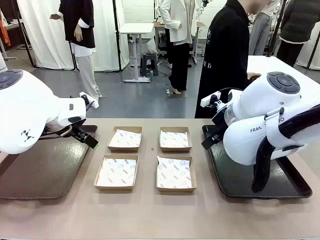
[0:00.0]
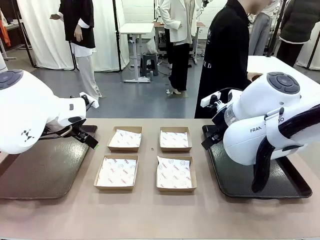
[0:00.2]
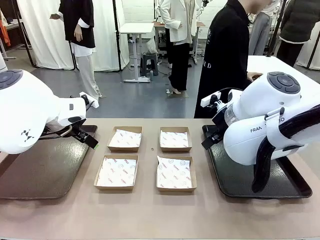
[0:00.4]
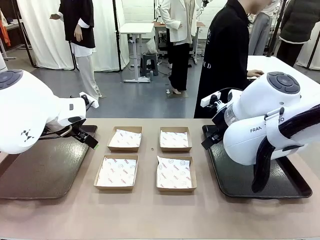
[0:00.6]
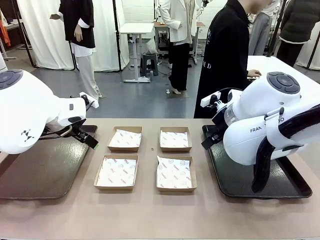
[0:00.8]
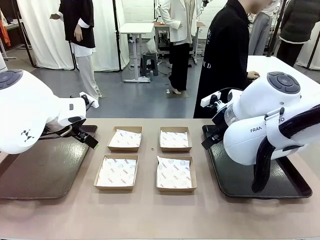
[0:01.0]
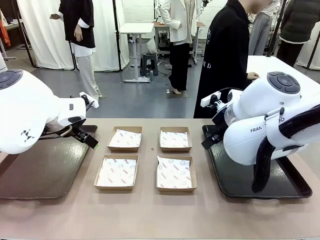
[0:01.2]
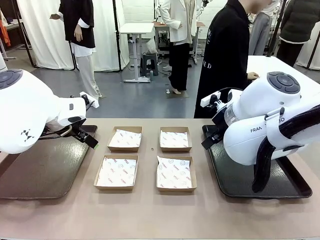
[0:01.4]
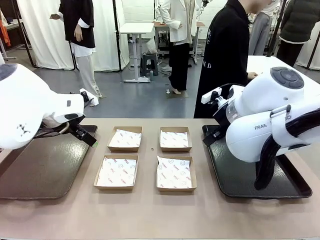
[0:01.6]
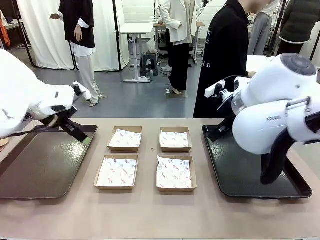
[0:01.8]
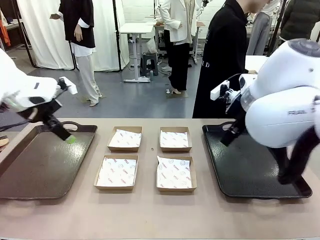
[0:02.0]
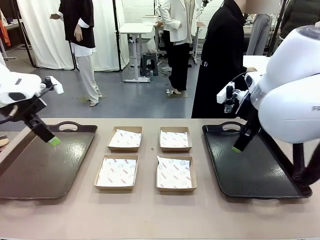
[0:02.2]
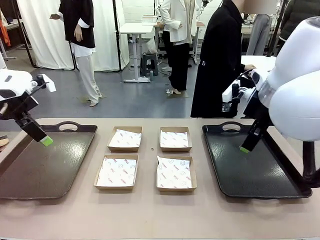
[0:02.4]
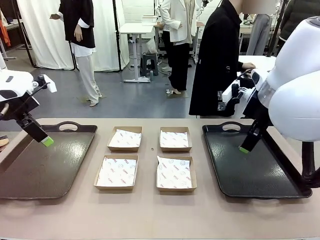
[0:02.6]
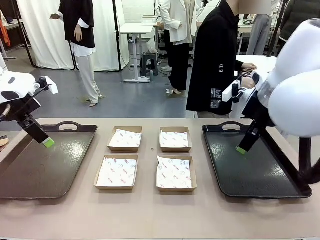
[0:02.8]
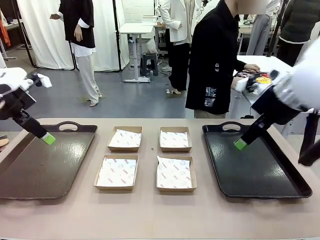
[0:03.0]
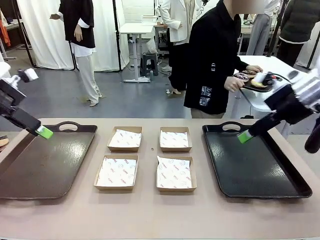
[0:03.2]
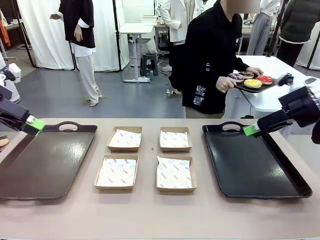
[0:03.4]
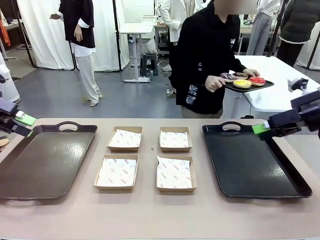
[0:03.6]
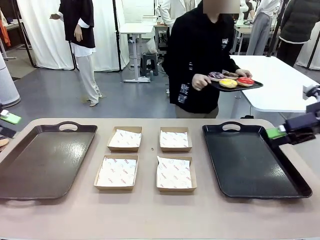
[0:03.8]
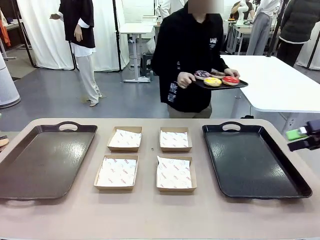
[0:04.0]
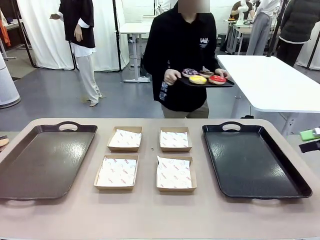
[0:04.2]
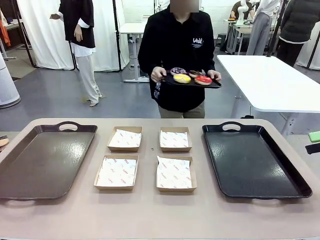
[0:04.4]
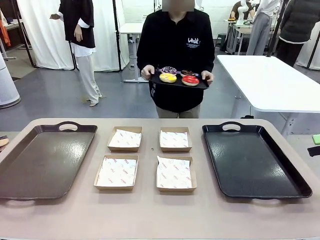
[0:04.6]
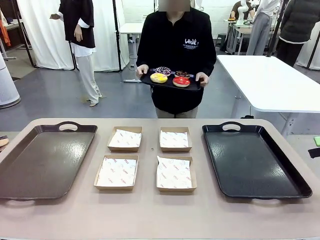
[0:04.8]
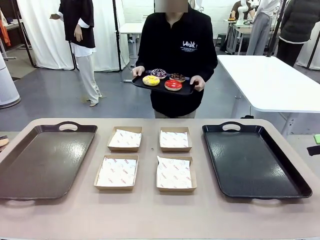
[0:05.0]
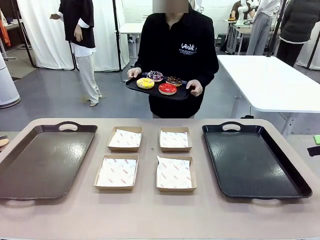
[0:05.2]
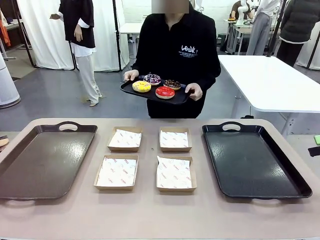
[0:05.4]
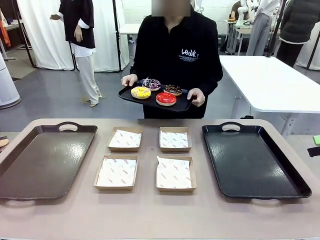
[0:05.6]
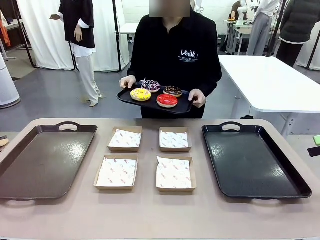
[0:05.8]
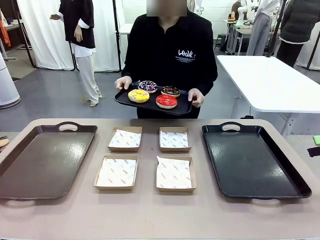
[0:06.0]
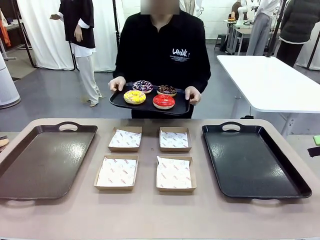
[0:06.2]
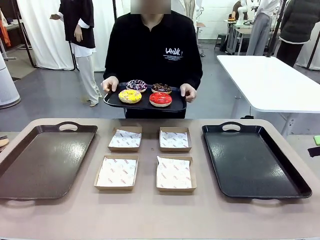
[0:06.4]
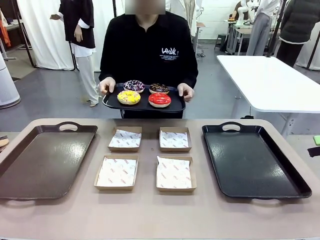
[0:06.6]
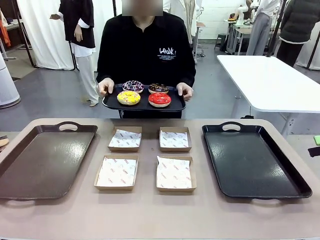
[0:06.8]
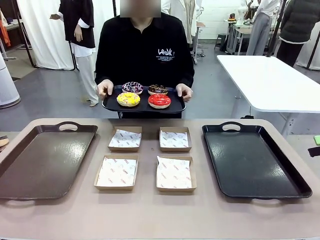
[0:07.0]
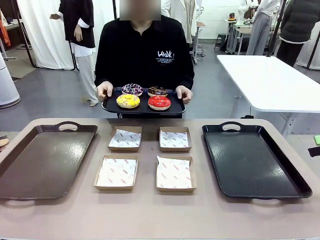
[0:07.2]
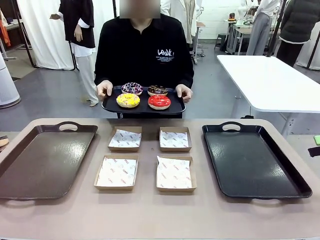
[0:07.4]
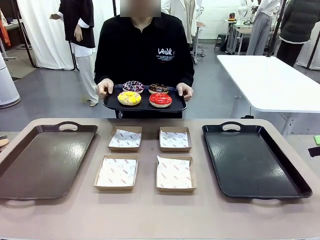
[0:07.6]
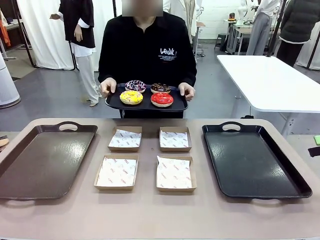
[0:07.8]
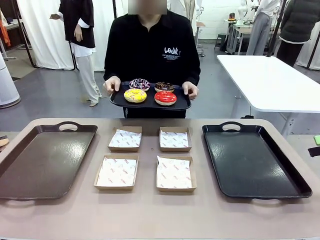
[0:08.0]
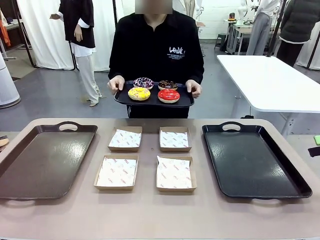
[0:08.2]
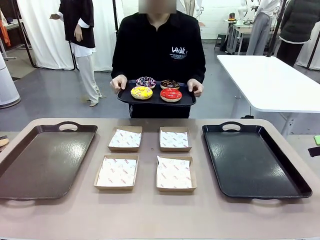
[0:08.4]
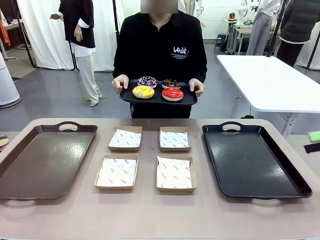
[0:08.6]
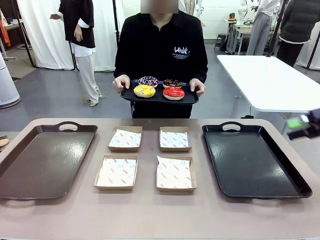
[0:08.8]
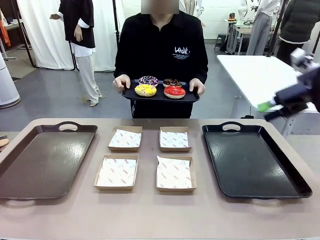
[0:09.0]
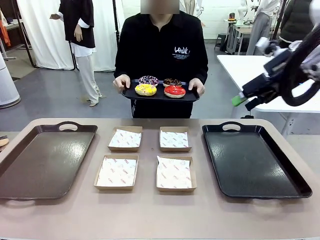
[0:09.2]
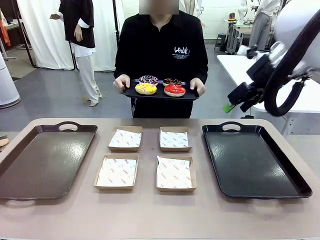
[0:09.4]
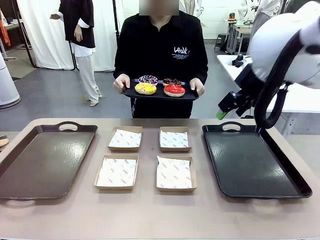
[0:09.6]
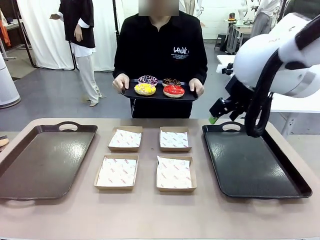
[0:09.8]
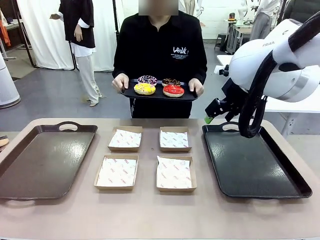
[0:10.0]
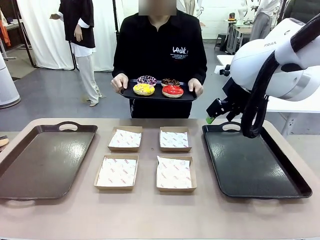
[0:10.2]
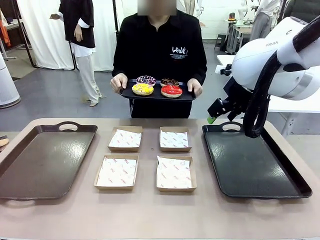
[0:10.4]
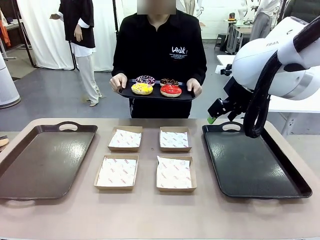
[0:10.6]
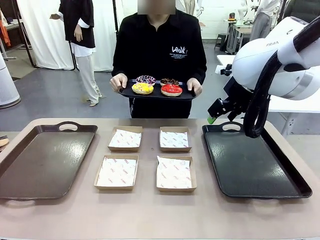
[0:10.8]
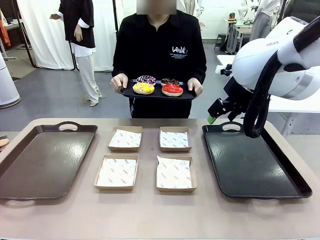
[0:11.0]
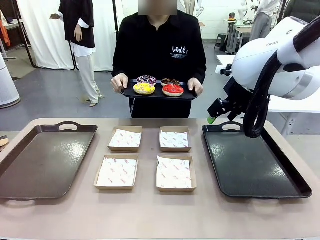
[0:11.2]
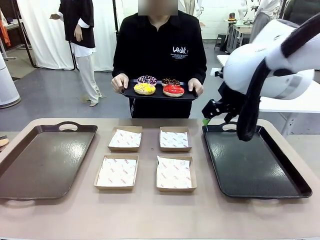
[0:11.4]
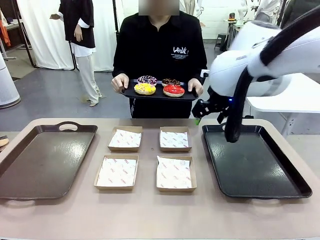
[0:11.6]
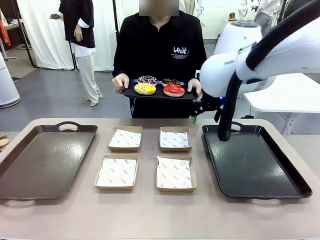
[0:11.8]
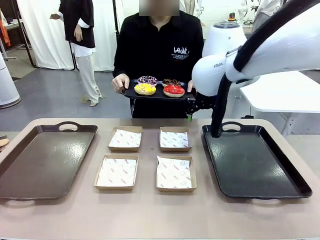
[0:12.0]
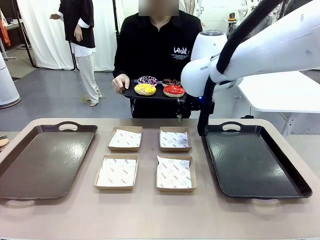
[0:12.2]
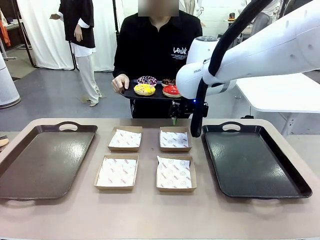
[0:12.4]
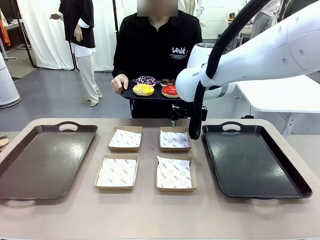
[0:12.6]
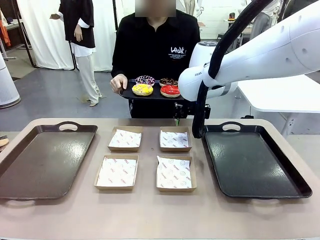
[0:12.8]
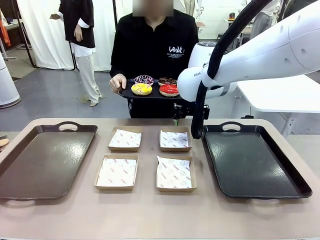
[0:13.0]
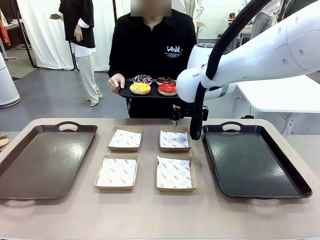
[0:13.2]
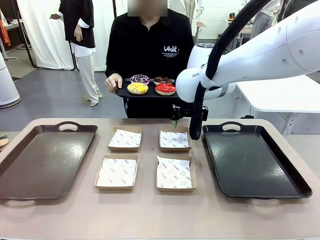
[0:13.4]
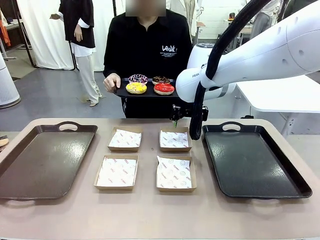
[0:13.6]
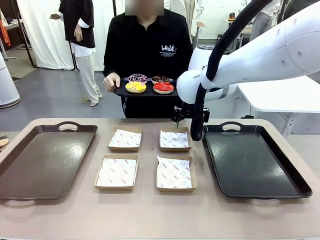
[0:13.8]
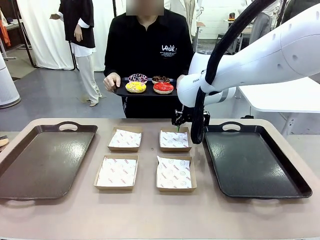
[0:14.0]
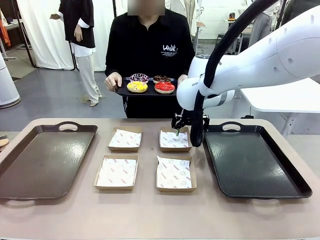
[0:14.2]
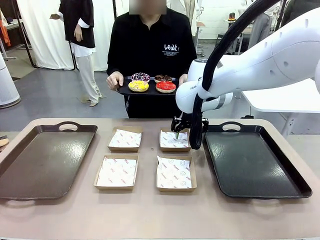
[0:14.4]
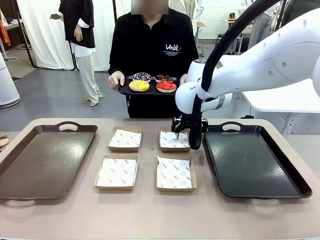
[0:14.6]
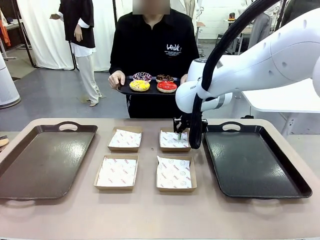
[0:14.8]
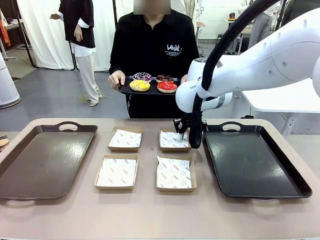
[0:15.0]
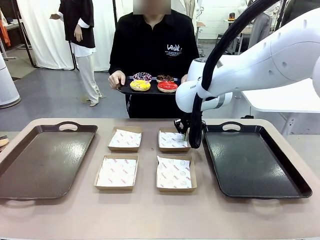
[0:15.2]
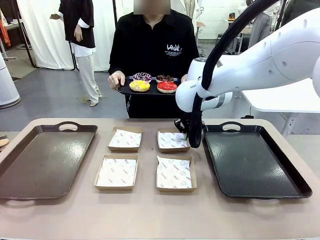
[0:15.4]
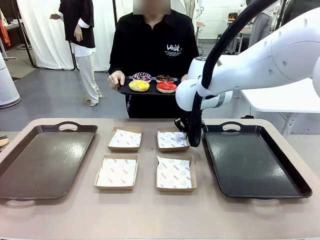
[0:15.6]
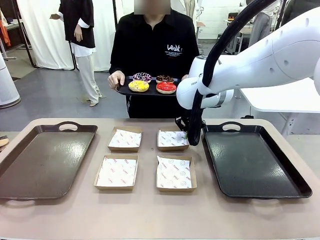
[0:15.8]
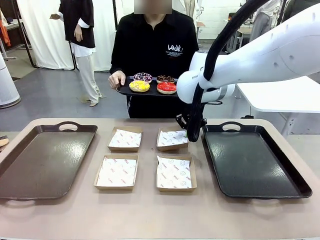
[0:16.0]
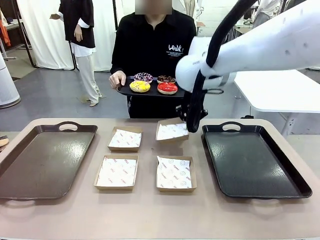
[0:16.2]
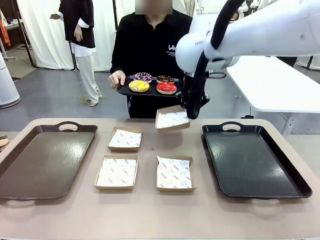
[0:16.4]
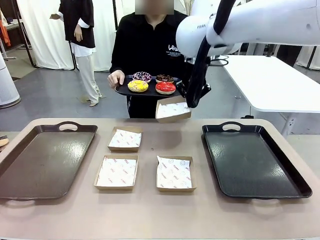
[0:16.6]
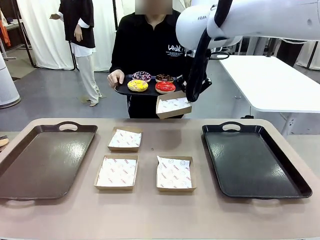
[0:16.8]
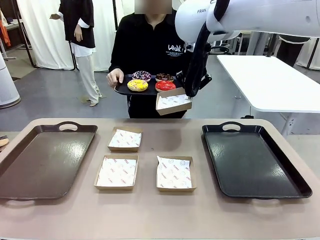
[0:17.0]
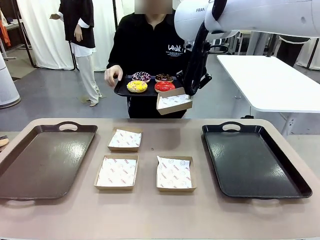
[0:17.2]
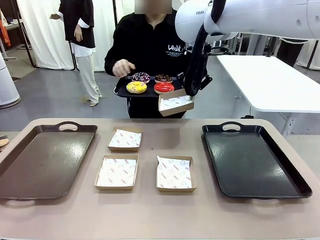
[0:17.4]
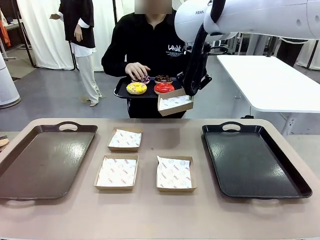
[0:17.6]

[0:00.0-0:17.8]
Task: Individually package the donuts and arrange them on the tray.
Robot: Pick up one Paper togo box.
Person: Stand in front of the robot table holding the tray containing the donuts.
